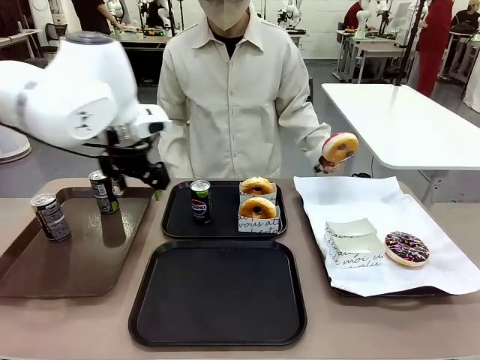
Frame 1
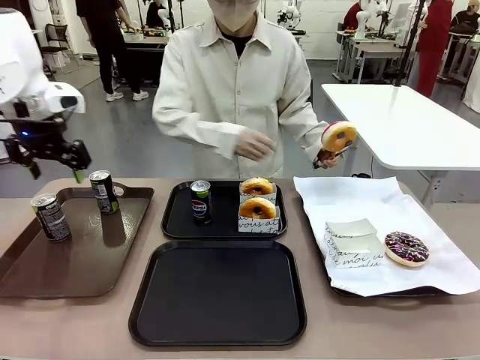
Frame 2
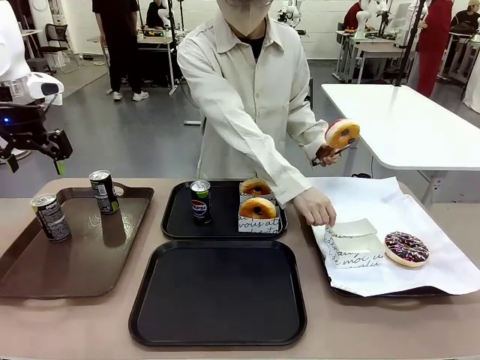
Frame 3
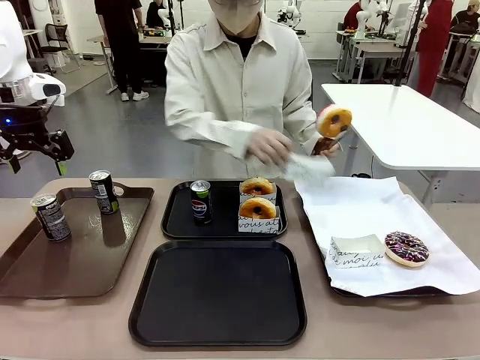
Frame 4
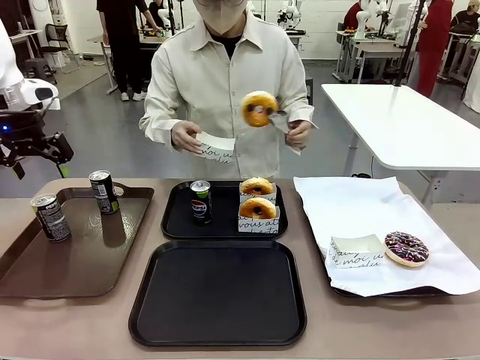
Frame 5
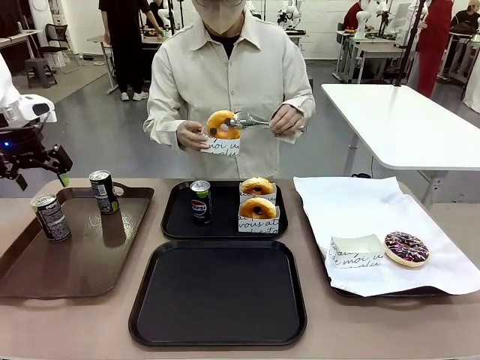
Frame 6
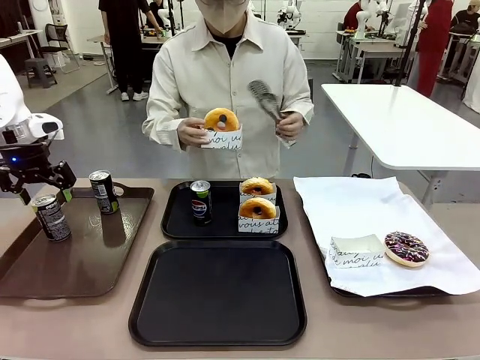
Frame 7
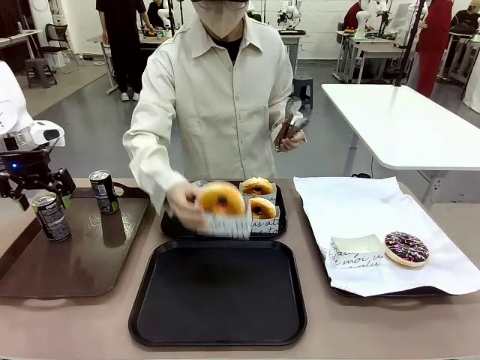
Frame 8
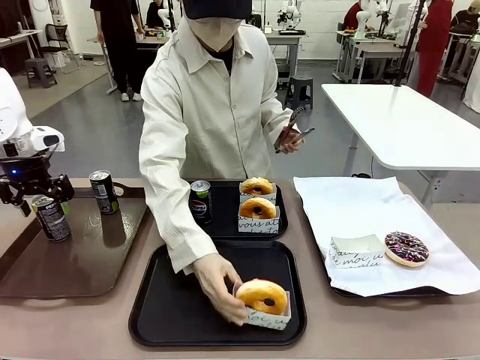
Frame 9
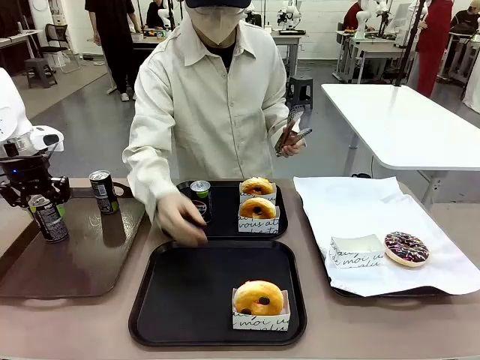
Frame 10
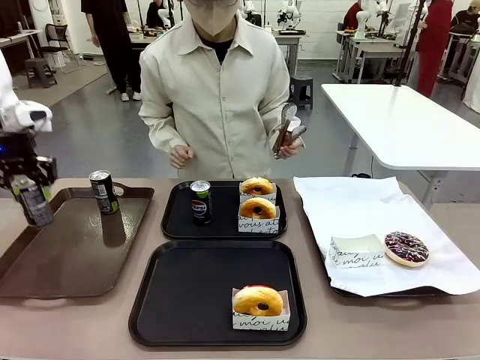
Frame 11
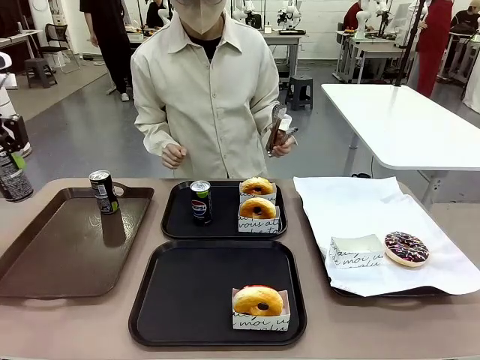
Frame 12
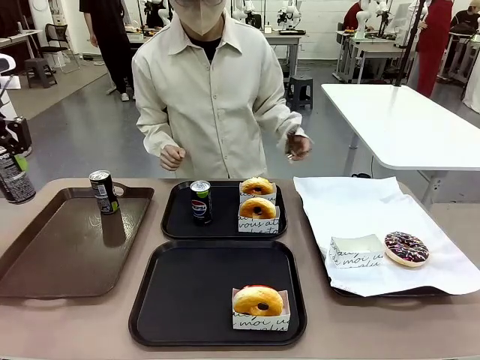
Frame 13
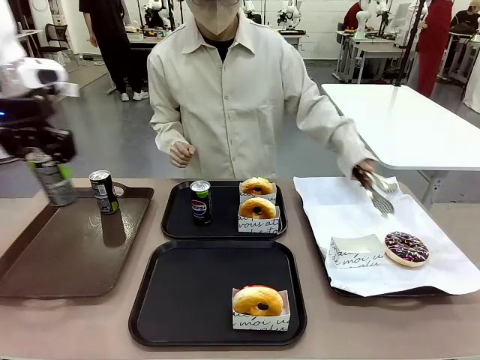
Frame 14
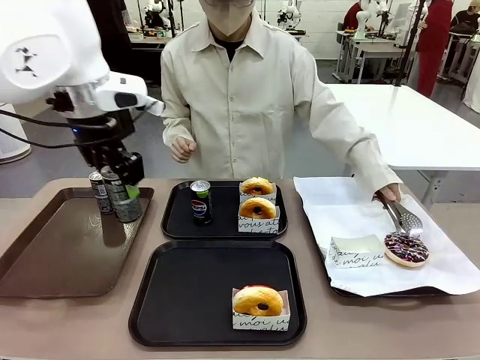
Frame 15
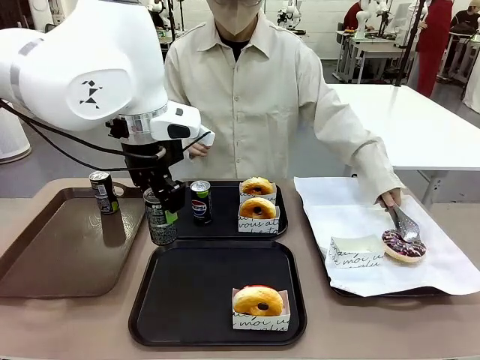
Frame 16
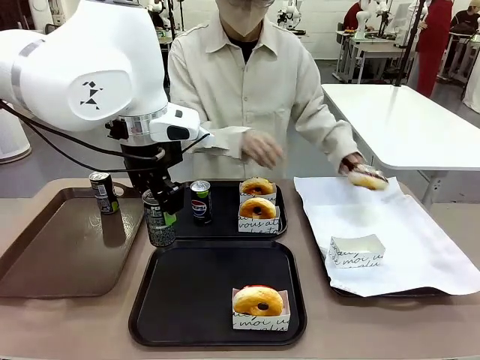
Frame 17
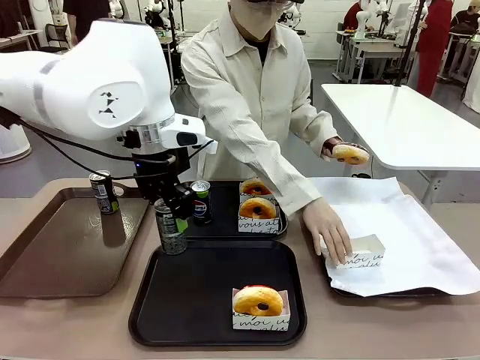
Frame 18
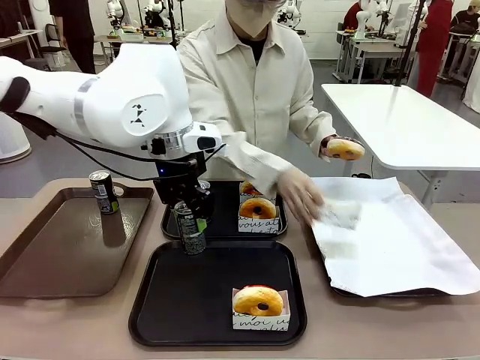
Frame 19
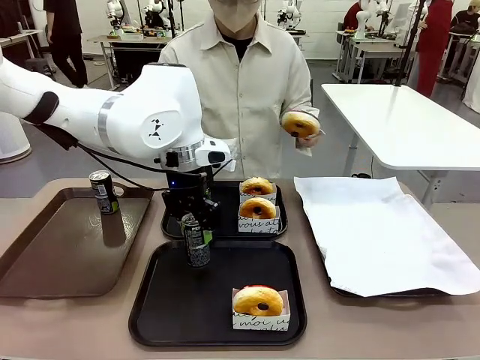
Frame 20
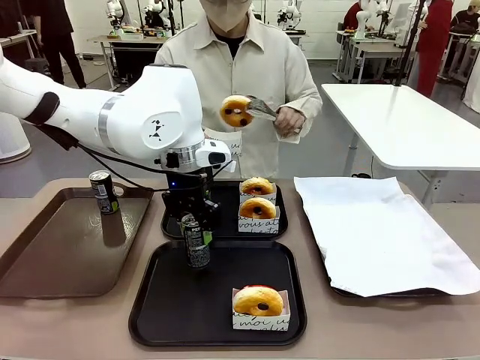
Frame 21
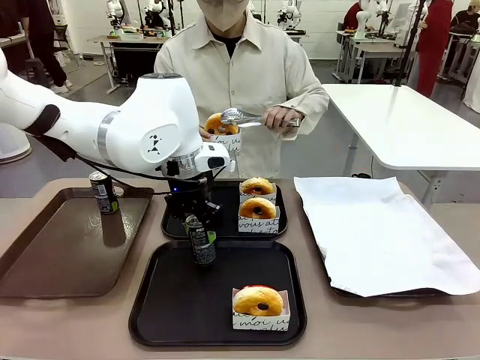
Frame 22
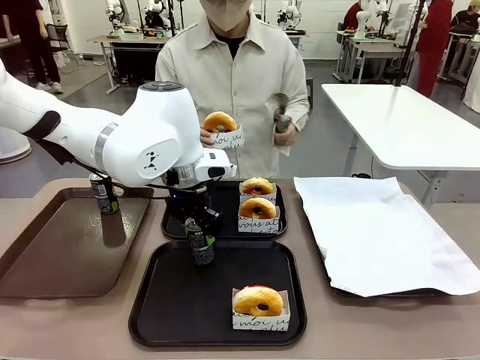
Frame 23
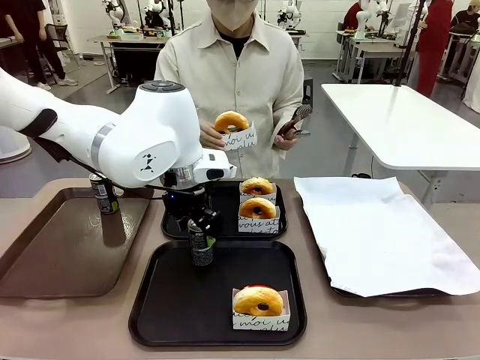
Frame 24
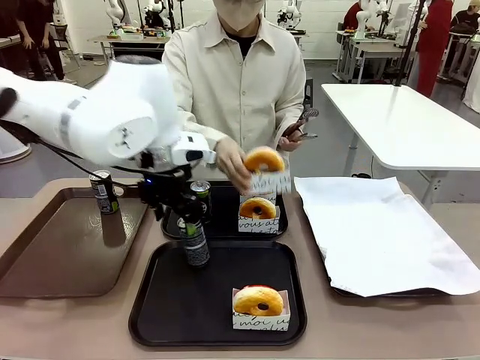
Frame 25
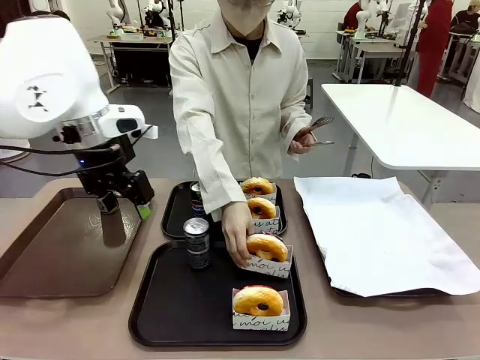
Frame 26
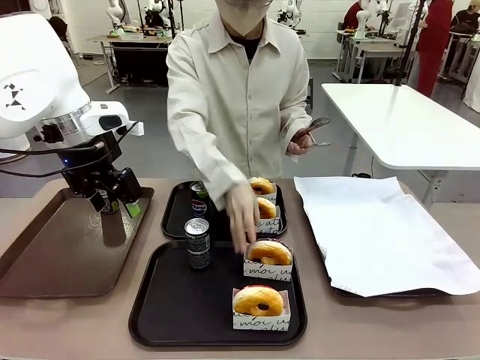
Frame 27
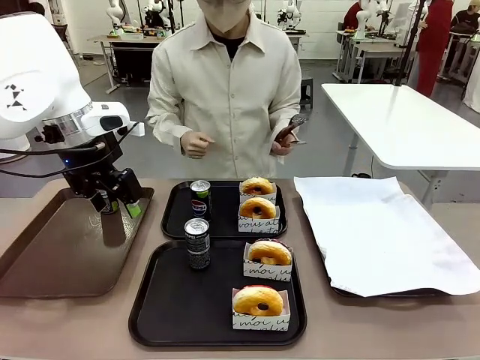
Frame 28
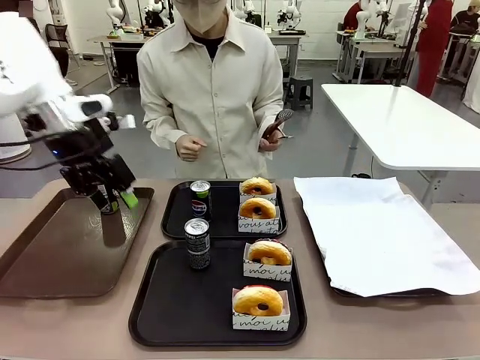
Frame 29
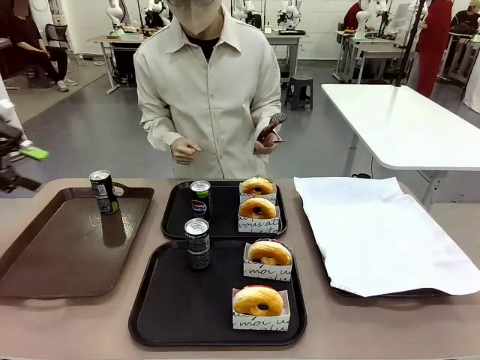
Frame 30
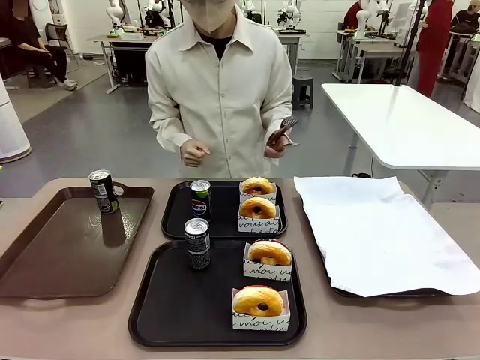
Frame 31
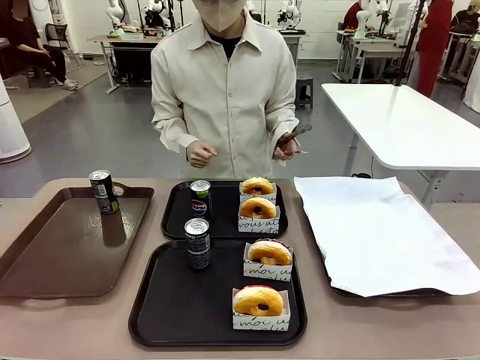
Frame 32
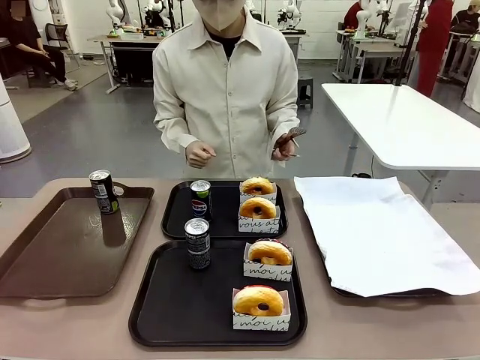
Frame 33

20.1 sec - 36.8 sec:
Task: Set up donuts and drinks on trays.
Robot: Pick up one Pepsi coke from the Handle tray and place it on the Flat Tray without a Pepsi coke.

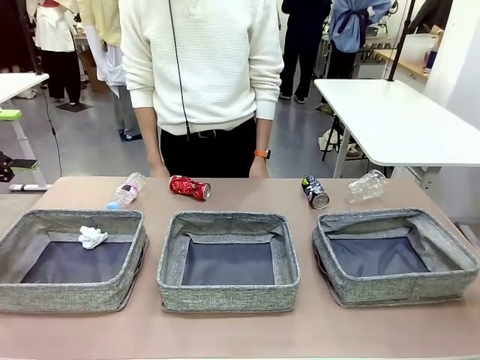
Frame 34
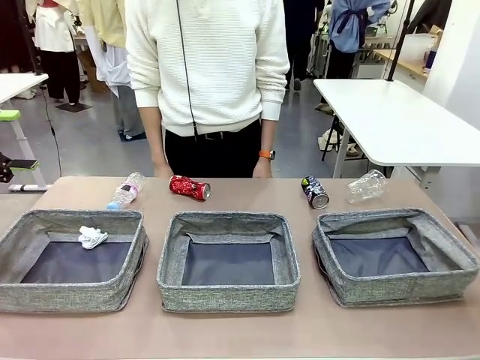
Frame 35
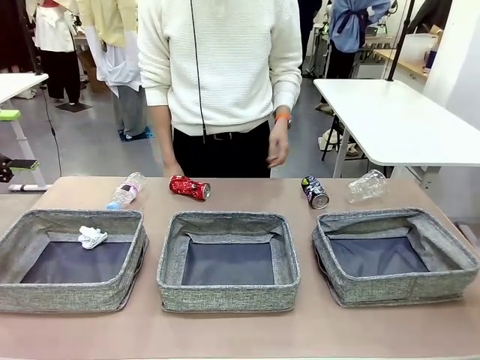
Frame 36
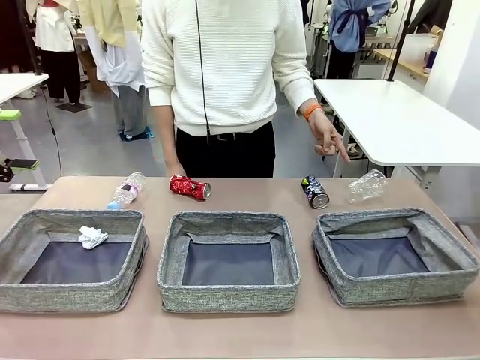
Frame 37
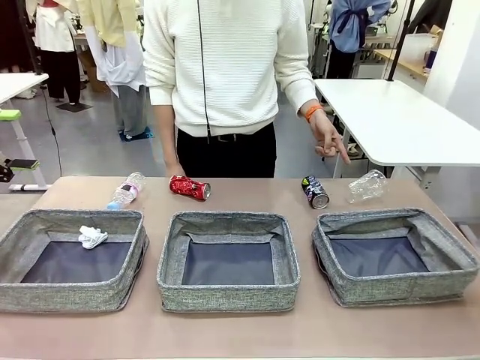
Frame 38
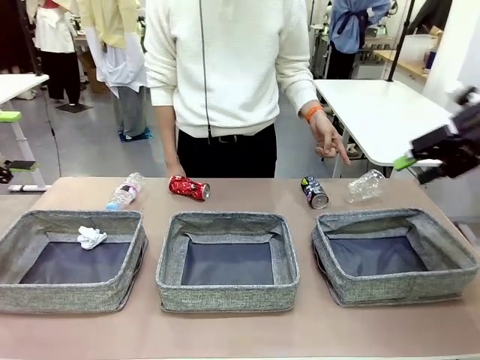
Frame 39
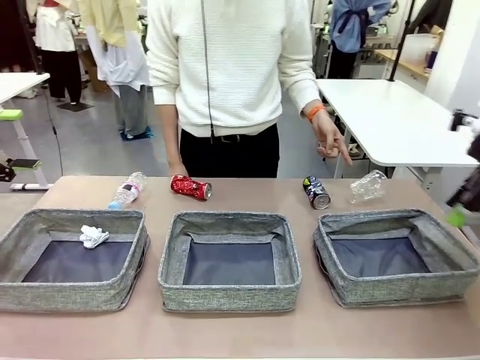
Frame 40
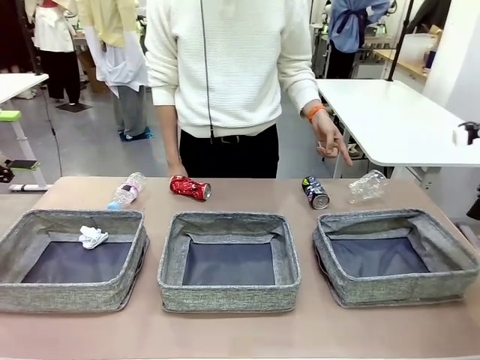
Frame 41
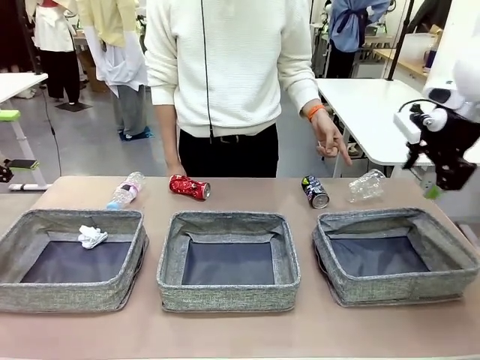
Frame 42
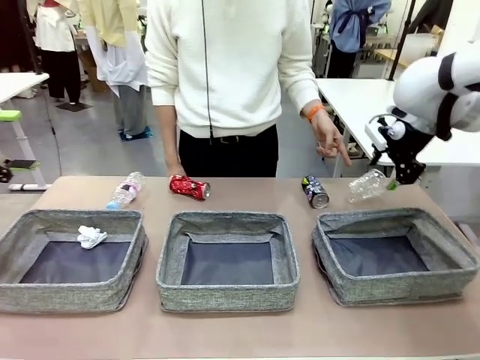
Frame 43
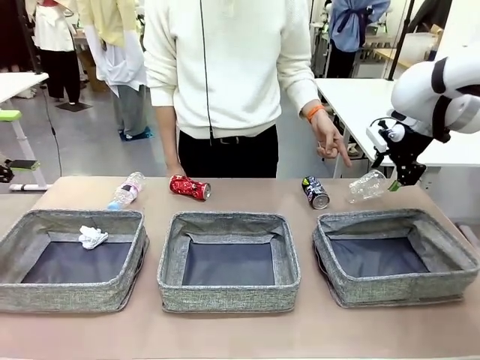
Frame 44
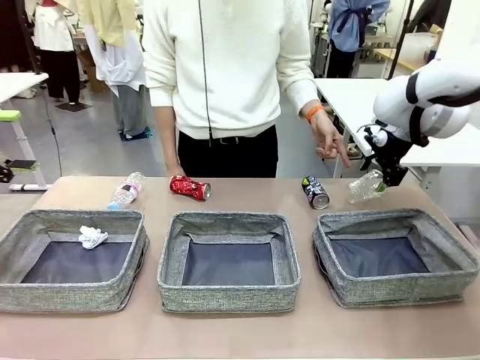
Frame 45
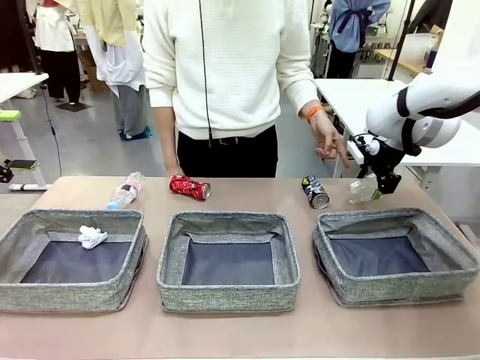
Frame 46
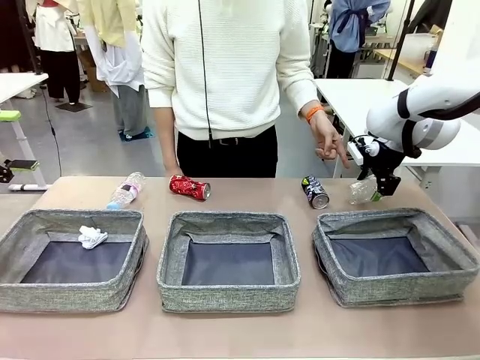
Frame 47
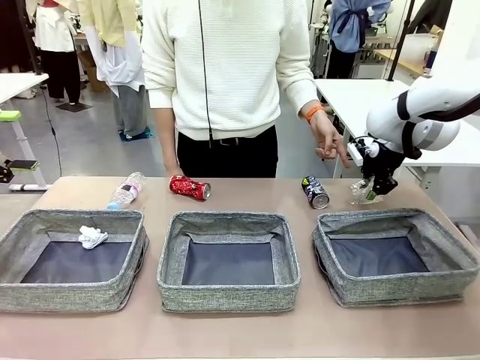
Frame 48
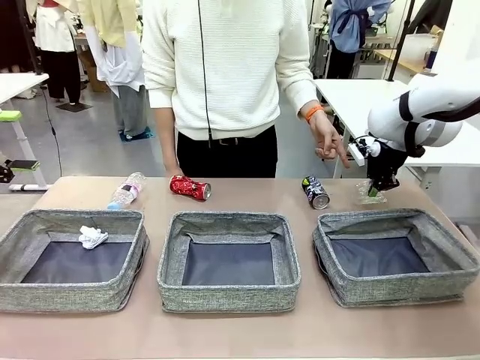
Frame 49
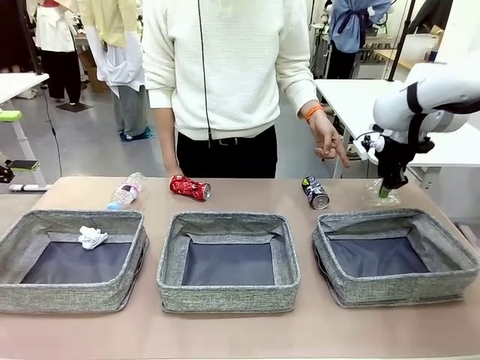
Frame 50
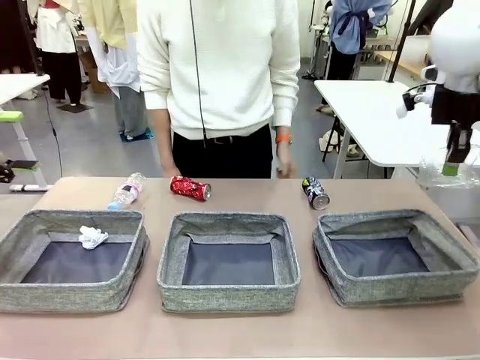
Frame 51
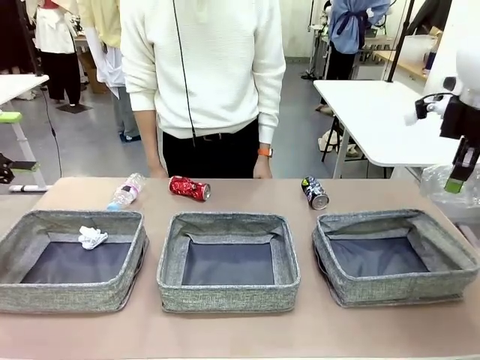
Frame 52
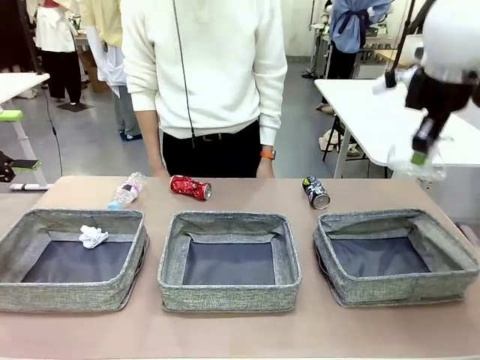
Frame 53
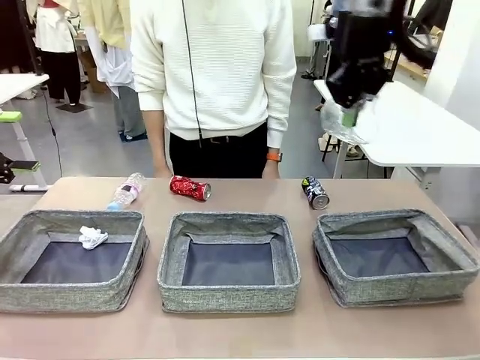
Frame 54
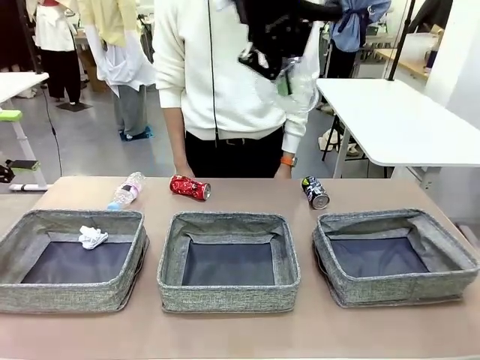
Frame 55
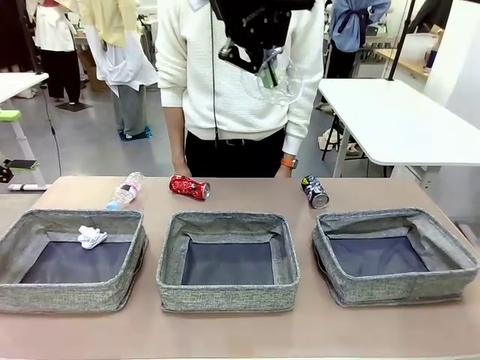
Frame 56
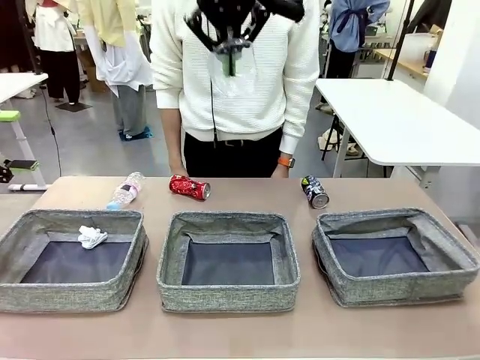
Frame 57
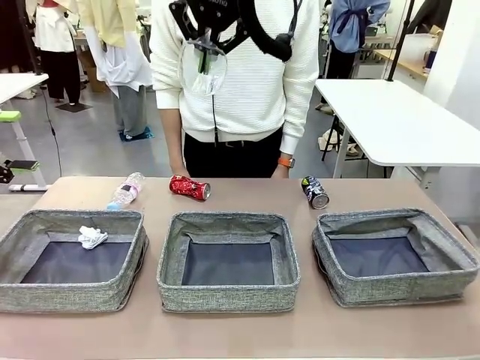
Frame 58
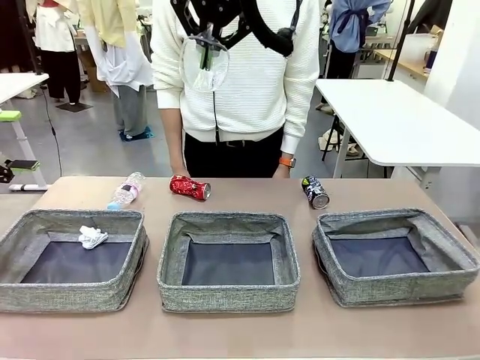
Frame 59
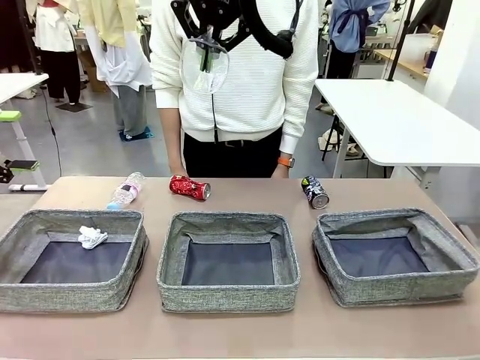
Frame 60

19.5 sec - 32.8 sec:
Task: Sort the waste into the appropriate baskets.
Robot: Pick up the waste item pointed out by the person.
Person: Points to one piece of trash on the table.
